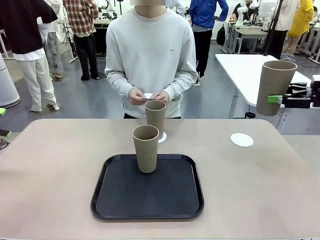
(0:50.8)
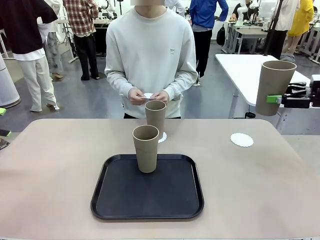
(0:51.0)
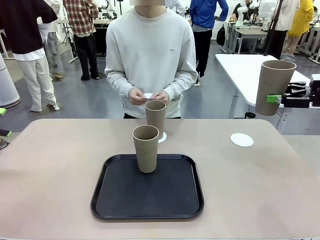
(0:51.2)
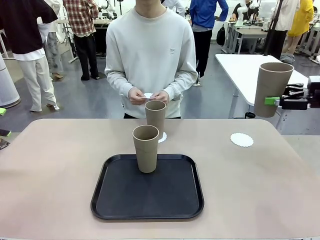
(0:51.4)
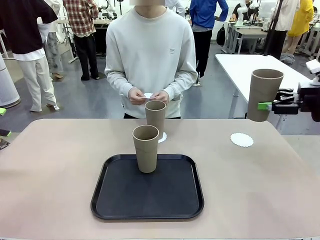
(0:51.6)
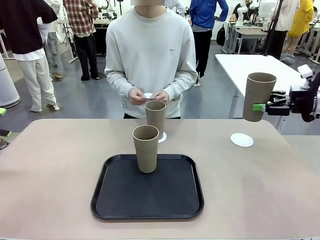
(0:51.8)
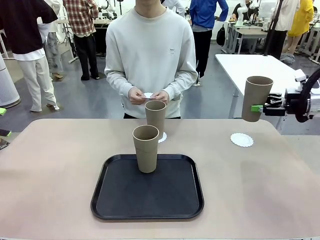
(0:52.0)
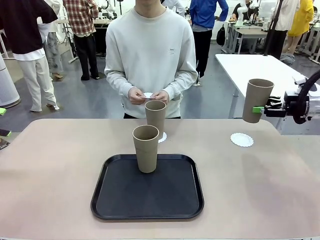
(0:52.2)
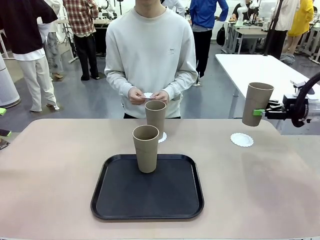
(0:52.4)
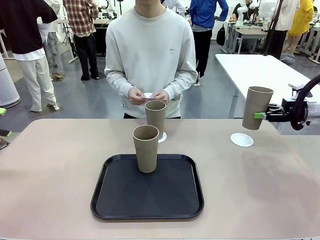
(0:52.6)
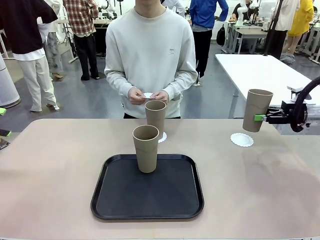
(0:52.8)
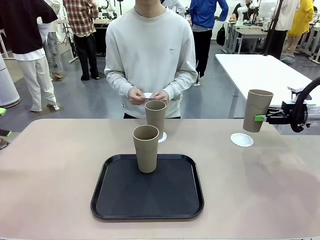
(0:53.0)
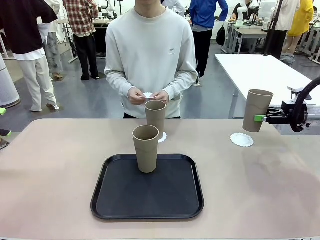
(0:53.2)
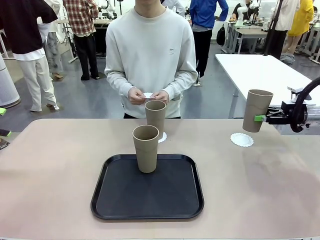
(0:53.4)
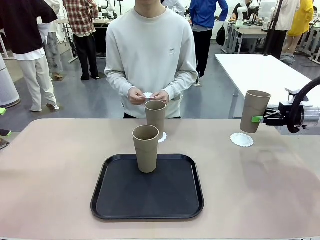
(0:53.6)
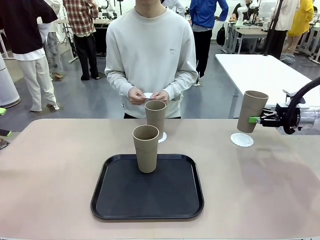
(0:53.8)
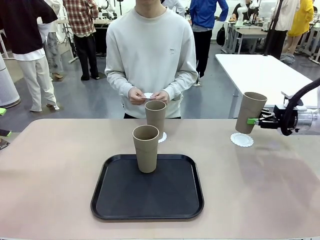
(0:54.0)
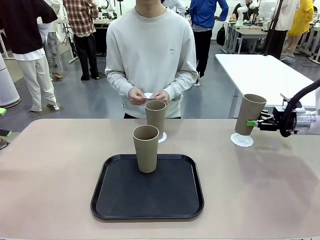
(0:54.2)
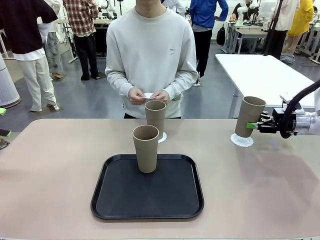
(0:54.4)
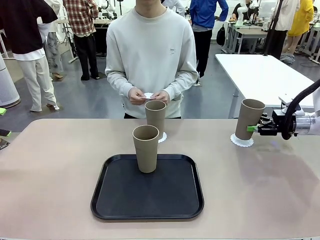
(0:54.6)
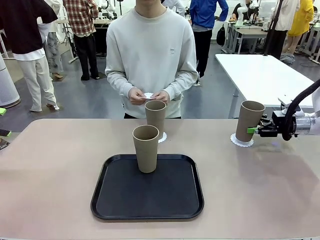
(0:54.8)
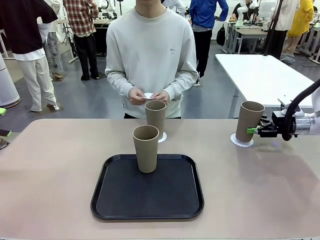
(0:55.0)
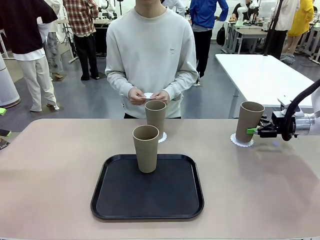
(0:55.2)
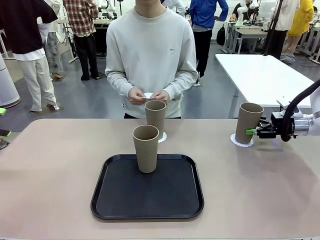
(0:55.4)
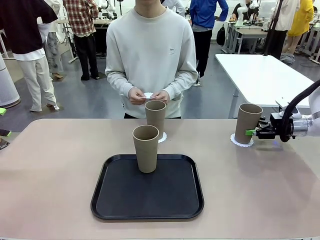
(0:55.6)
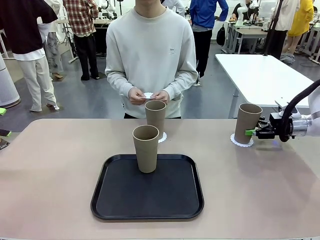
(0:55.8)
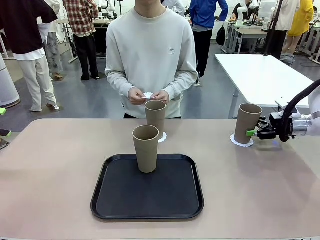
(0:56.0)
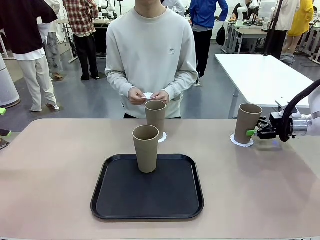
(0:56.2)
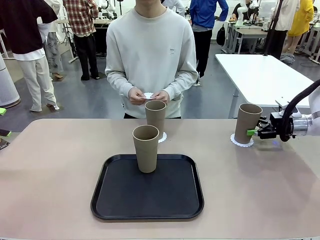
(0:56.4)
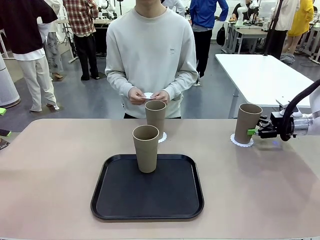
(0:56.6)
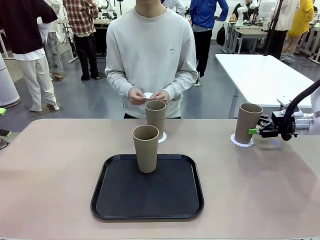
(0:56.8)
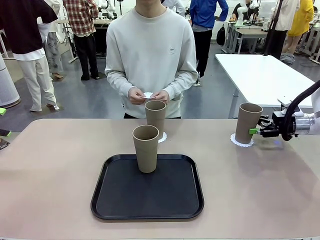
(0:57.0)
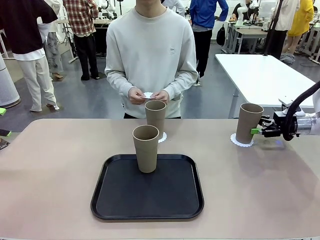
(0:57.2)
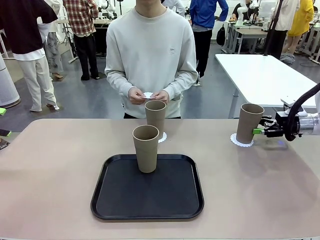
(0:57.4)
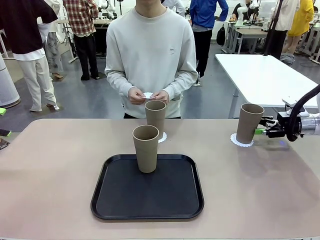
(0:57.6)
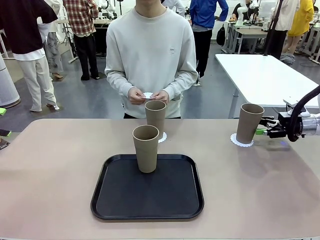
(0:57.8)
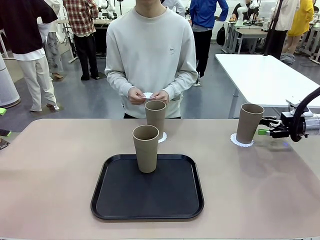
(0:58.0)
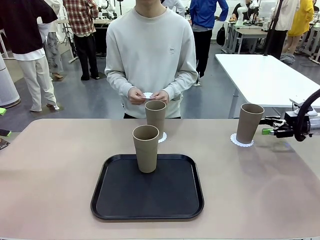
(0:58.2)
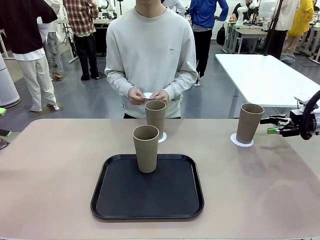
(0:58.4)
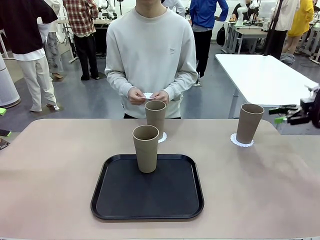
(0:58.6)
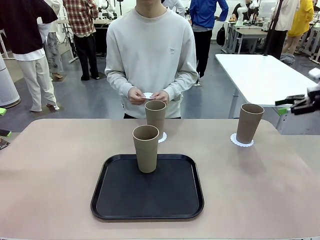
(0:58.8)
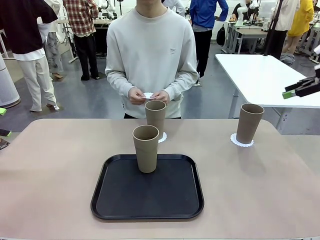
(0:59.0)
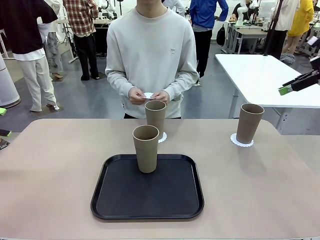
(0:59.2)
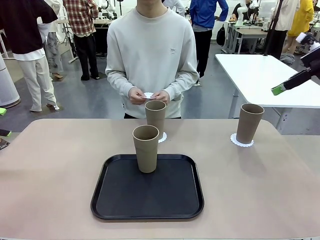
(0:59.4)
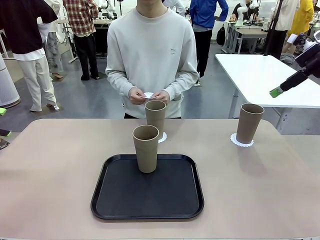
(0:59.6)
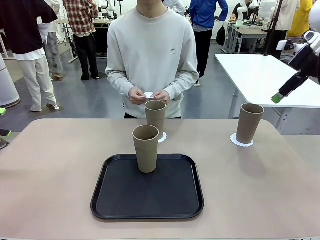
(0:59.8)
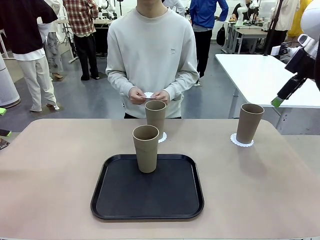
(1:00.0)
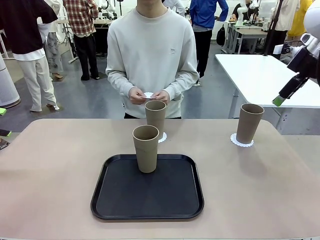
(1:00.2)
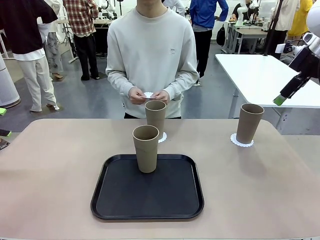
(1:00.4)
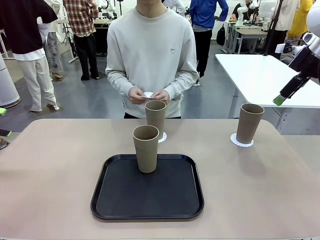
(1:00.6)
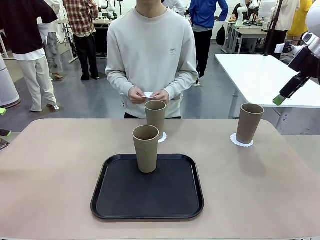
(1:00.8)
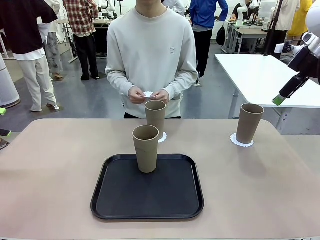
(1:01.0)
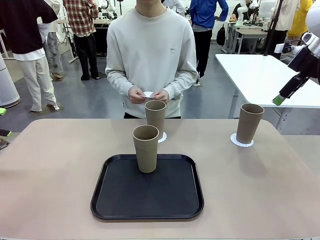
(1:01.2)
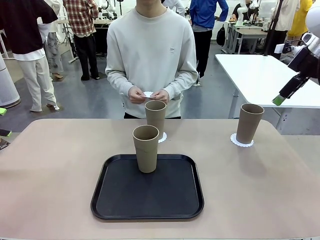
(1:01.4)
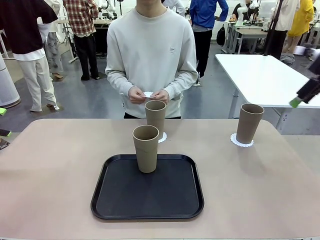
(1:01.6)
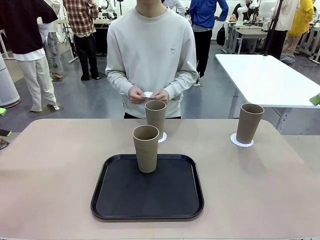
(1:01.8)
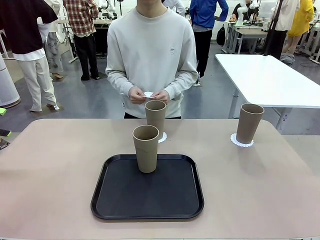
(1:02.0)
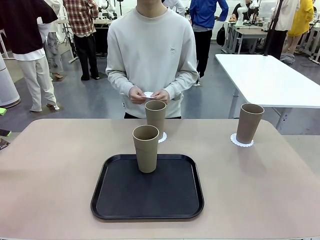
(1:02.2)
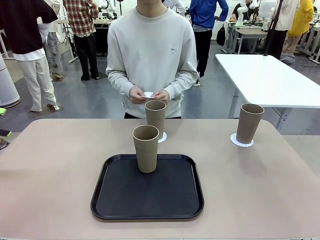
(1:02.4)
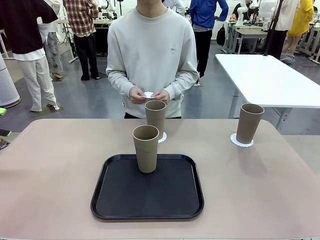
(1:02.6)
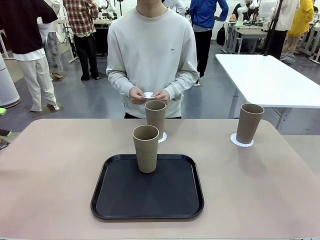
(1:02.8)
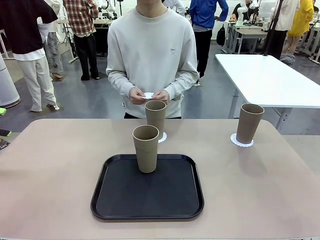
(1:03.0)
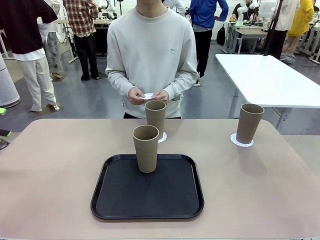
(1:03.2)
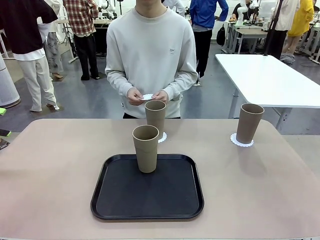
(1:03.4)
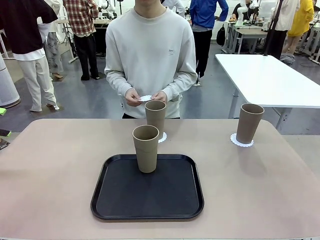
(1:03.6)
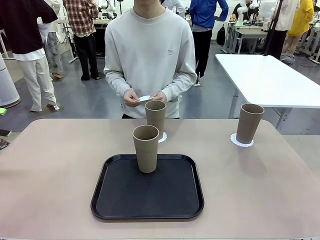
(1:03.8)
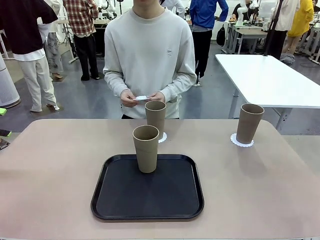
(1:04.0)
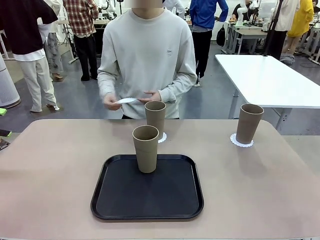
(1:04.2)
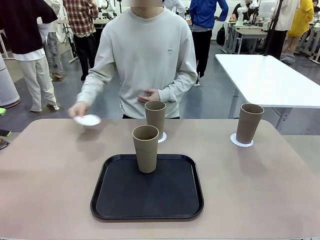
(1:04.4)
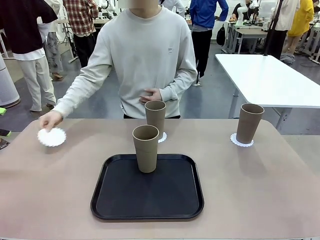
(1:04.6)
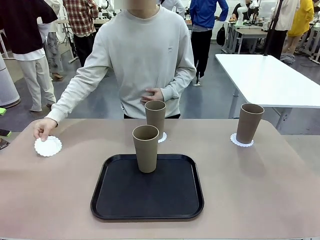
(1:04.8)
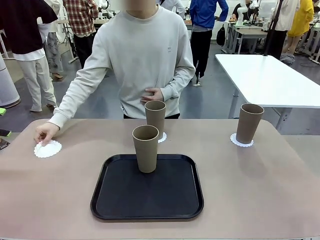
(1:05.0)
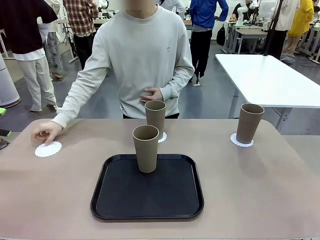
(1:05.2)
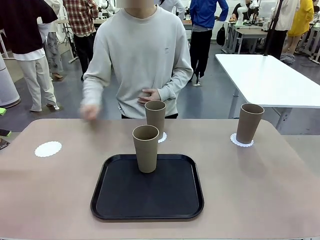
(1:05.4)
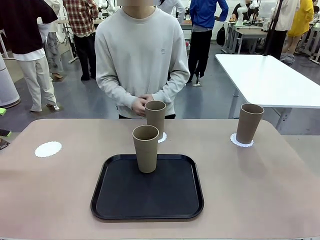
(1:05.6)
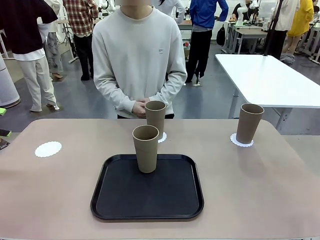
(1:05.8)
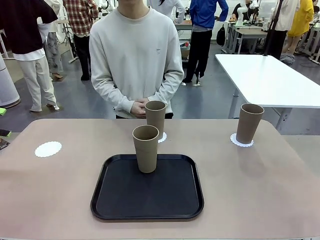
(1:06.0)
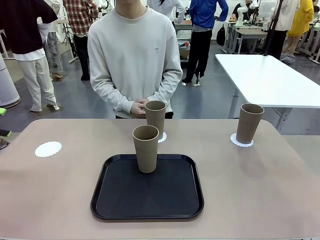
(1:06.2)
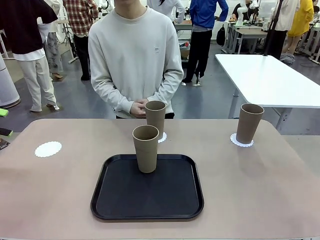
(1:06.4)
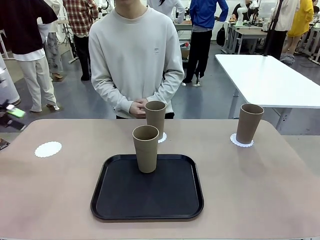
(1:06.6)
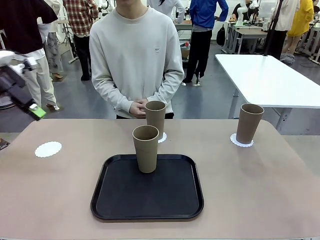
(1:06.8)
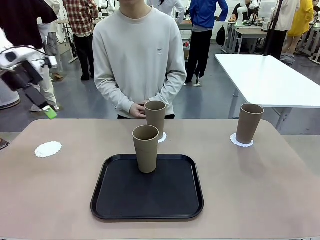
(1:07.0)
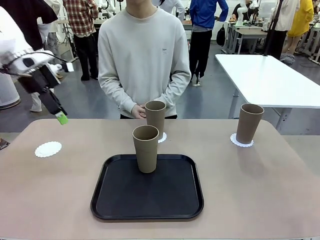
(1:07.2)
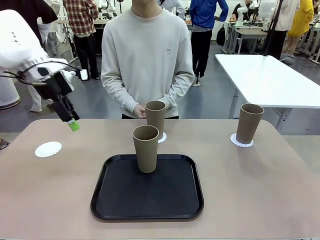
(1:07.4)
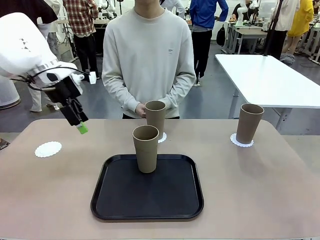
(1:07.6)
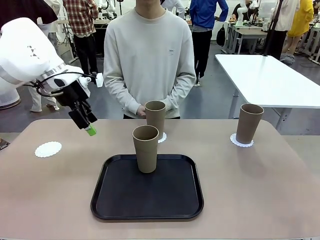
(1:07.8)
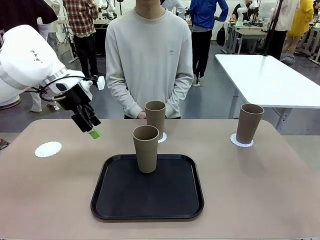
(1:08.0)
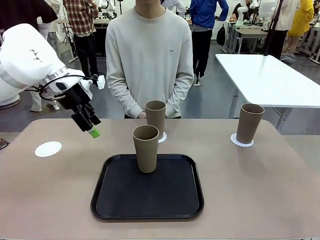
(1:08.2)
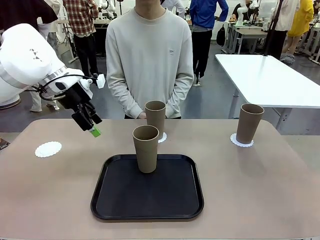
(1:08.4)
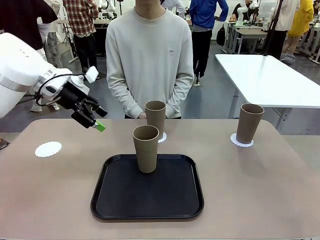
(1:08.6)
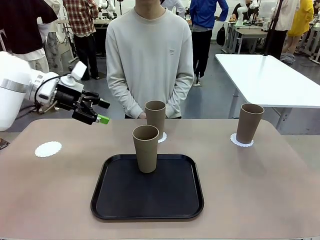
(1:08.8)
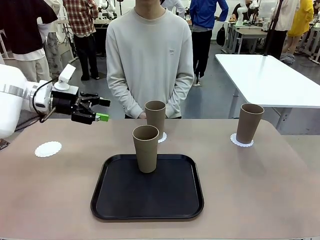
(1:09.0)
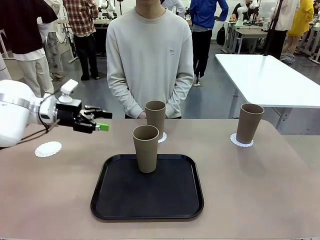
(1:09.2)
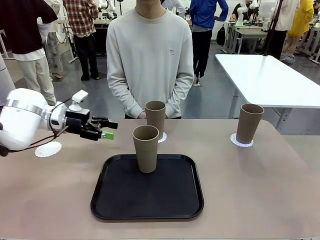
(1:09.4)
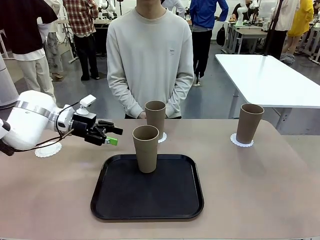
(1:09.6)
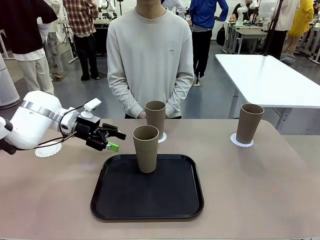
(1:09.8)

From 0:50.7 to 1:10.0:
Task: Place coasters on the table and set cups on them.
Robot: Take one Reusable plastic cup from the Flat Tray and place it on a coaster set by the human.
